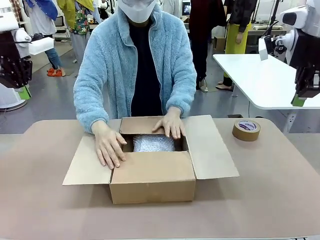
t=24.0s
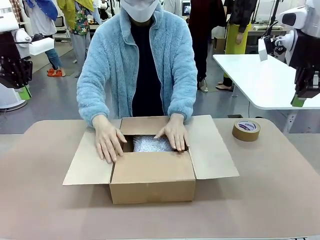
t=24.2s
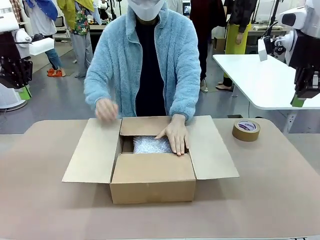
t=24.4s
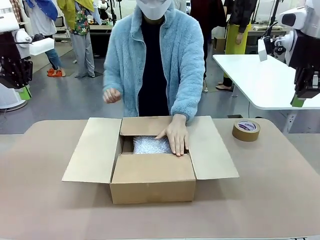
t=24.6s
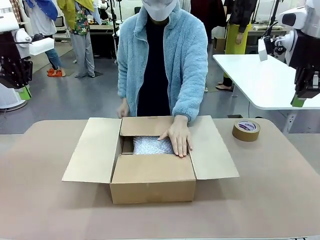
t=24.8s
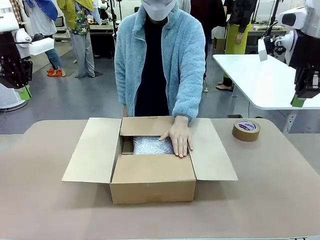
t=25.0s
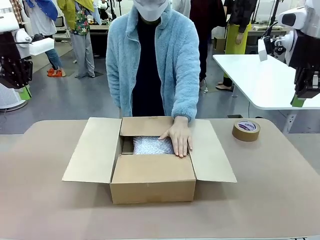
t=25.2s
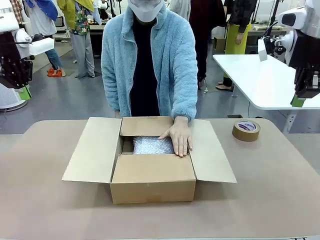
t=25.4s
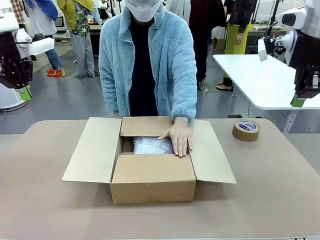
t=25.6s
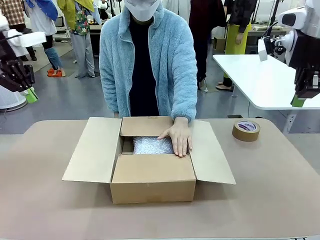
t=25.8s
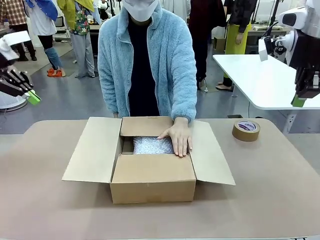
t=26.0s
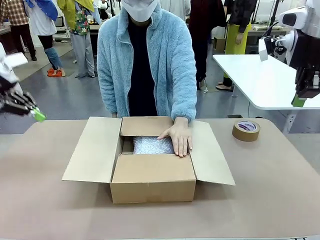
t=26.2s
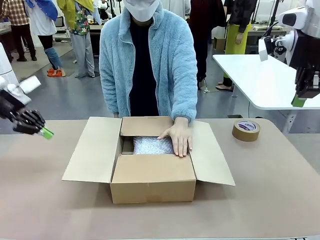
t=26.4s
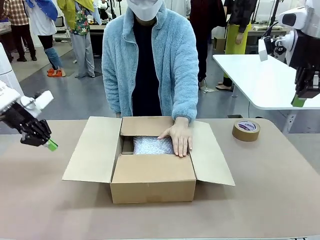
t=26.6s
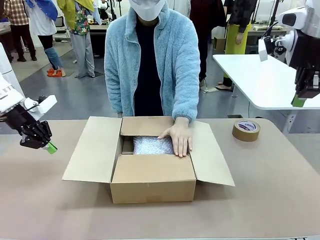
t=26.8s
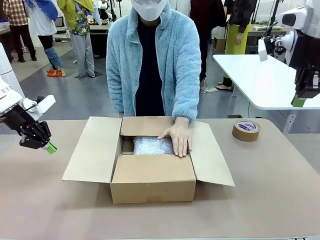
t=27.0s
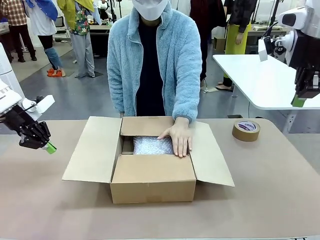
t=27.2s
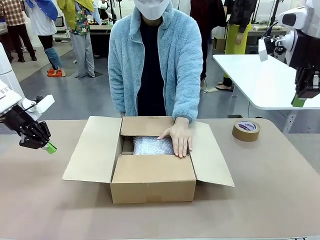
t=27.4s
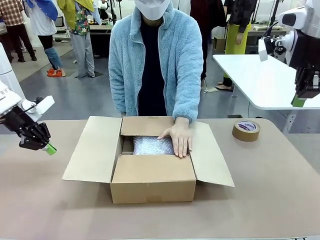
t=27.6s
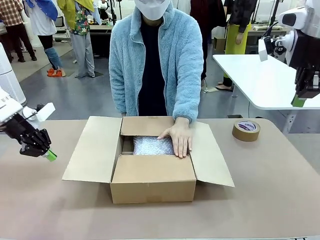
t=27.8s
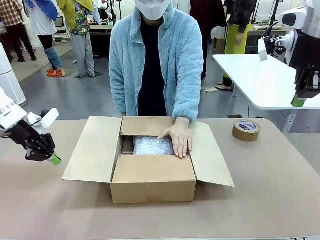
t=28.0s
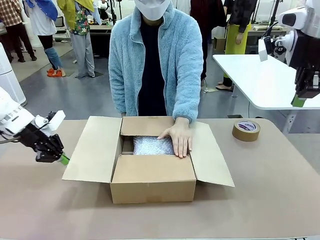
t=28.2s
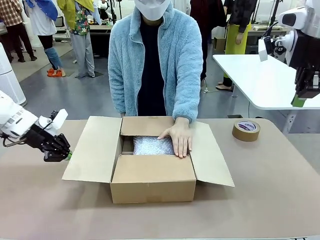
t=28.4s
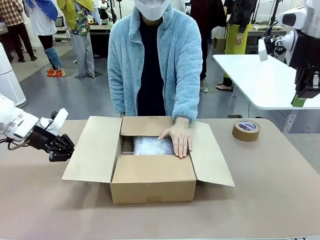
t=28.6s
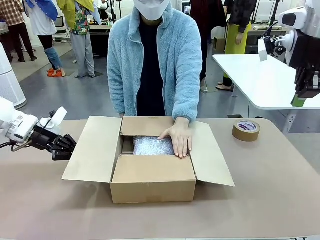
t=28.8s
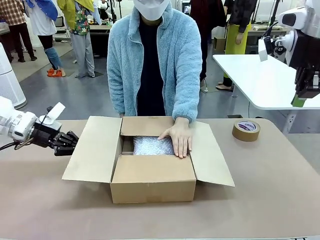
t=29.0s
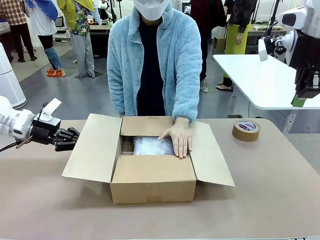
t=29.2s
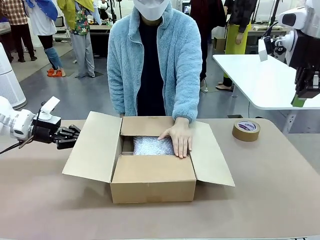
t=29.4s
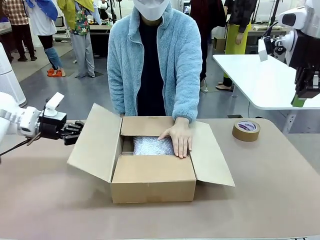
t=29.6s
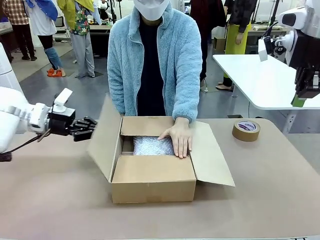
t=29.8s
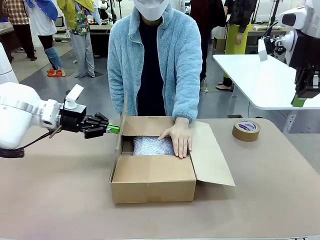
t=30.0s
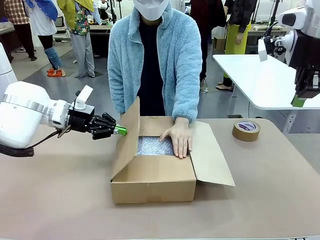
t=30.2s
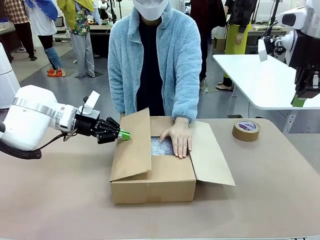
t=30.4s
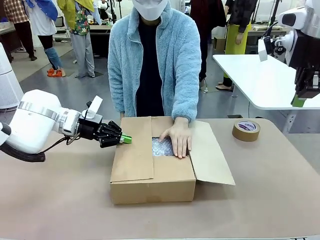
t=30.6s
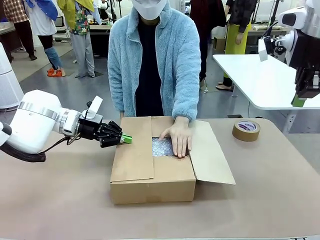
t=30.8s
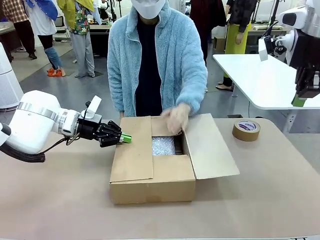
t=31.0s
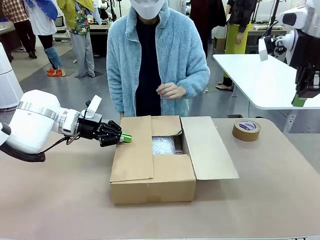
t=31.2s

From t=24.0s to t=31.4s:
Task: Wrap the clocks to prevent damage.
Robot: Push the right (or left) flap of the Package Box to close it.
Person: Once the robot closes the right flap of the Package Box , release your left hand from the box.

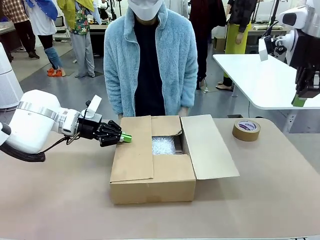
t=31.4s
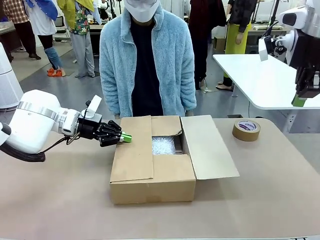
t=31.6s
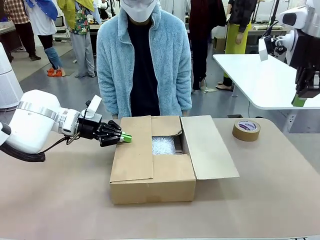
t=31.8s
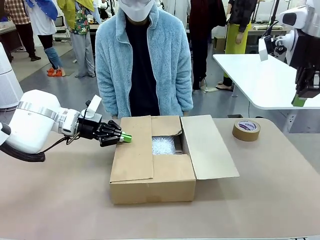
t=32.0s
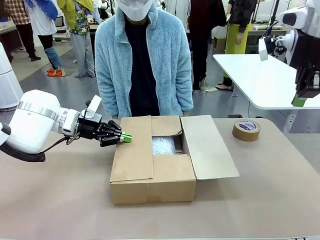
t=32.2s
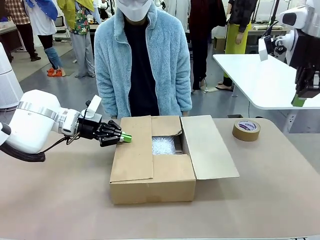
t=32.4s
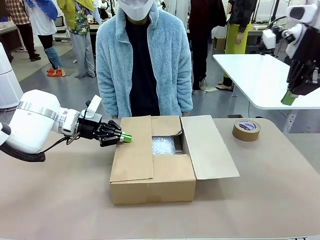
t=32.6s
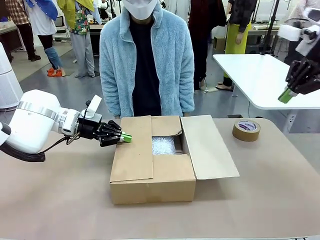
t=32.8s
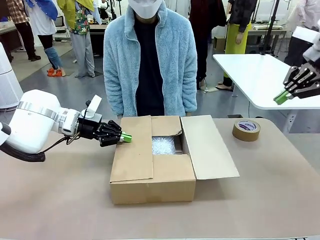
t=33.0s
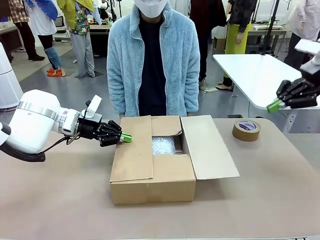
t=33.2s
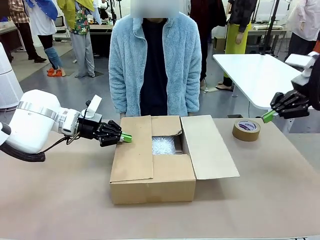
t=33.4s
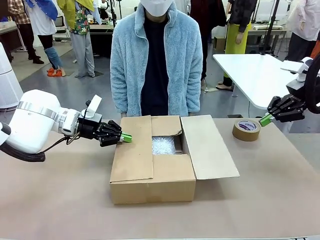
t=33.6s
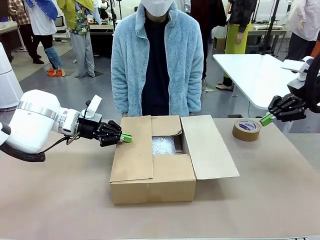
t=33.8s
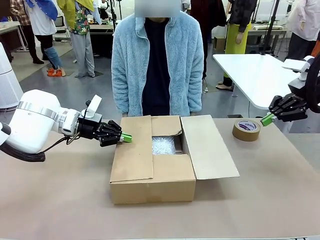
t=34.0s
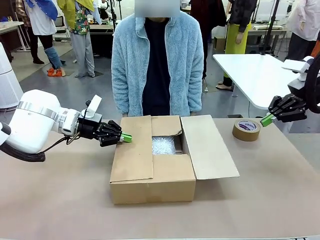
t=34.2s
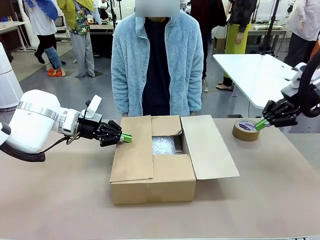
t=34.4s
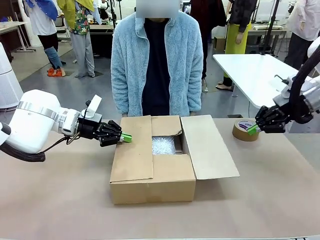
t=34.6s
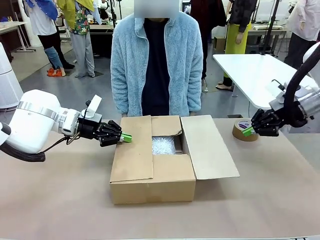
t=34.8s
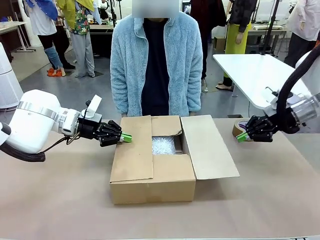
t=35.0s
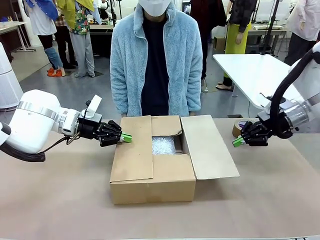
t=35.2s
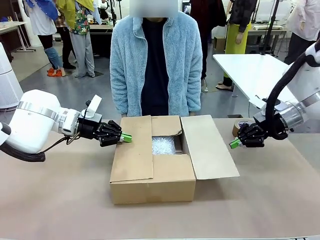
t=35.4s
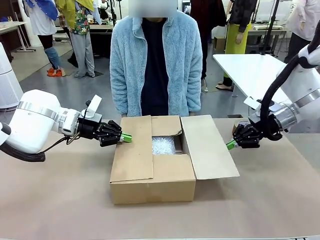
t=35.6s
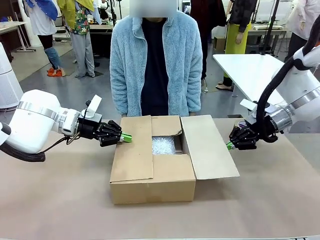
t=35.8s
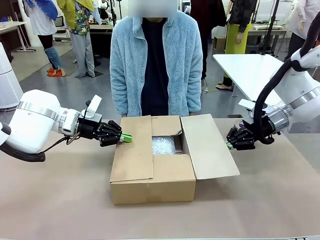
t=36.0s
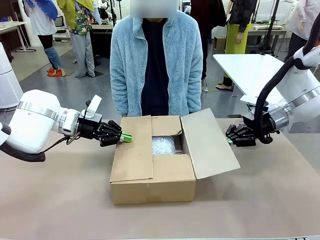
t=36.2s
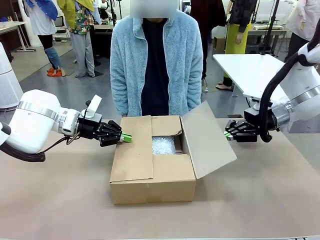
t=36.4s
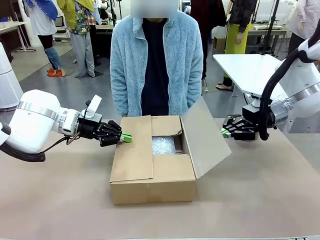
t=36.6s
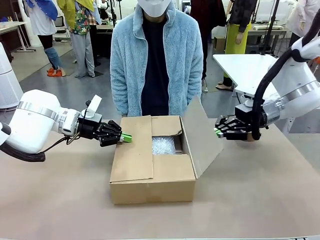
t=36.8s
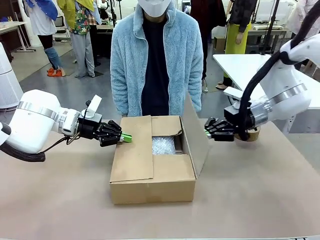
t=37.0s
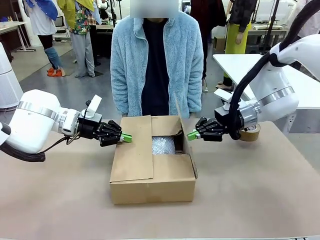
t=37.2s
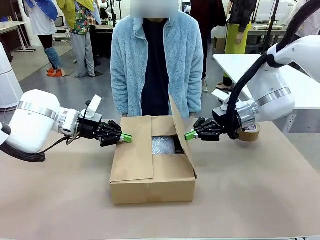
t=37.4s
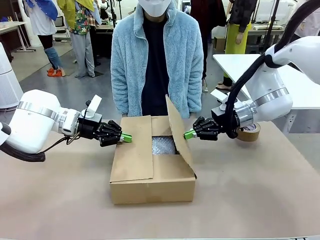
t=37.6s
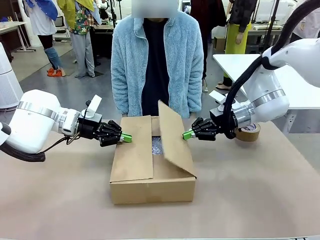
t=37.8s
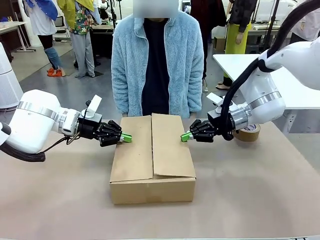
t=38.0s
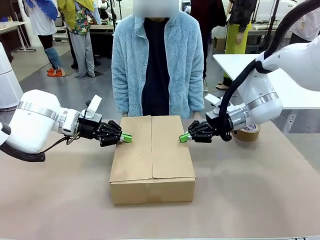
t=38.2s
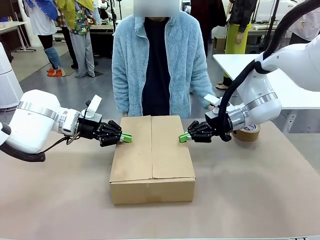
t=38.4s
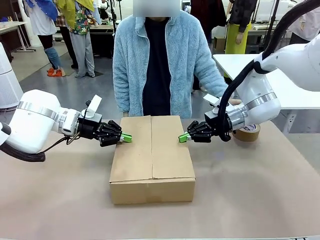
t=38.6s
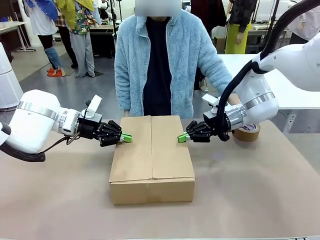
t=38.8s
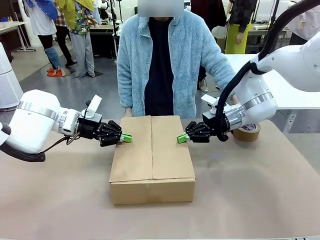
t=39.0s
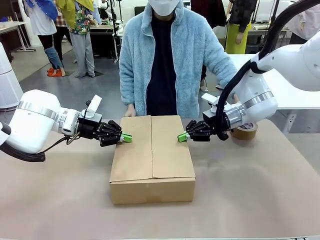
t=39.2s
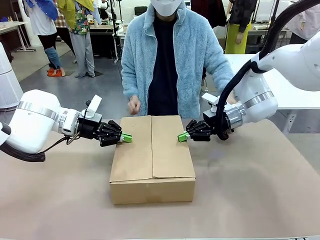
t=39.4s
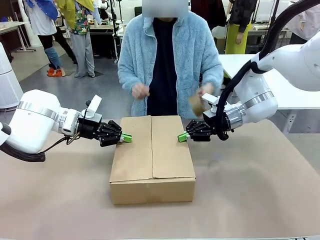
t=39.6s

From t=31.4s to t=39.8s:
Robot: Push the left (or right) flap of the Package Box to close it.

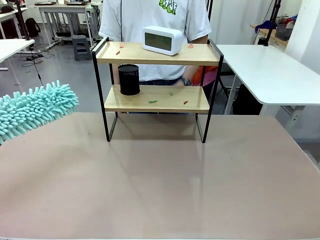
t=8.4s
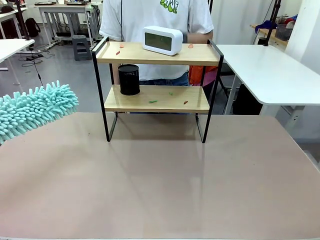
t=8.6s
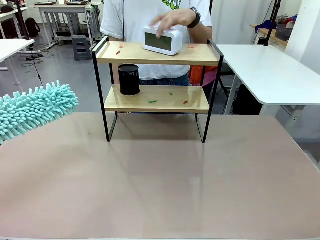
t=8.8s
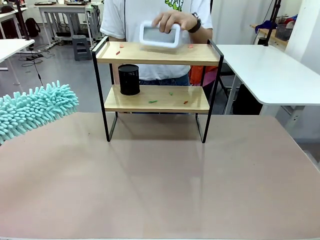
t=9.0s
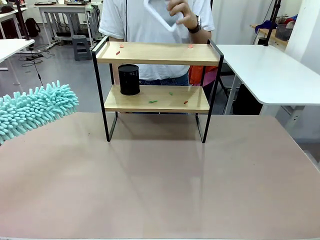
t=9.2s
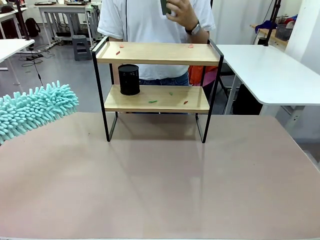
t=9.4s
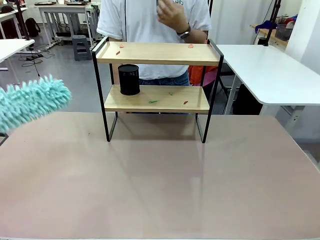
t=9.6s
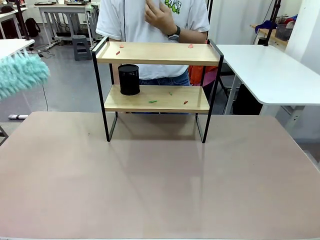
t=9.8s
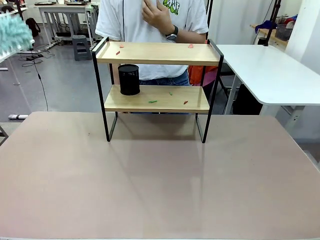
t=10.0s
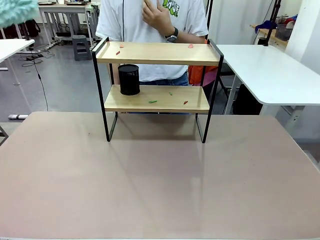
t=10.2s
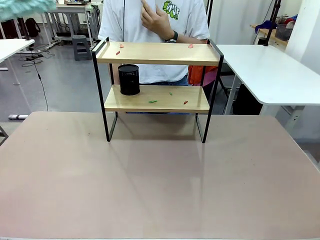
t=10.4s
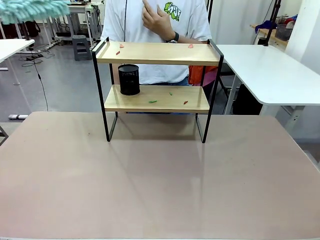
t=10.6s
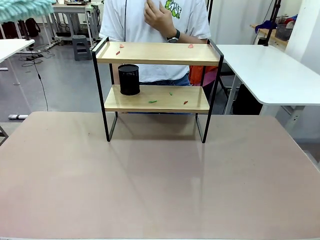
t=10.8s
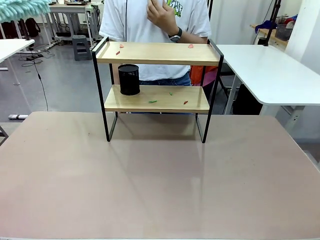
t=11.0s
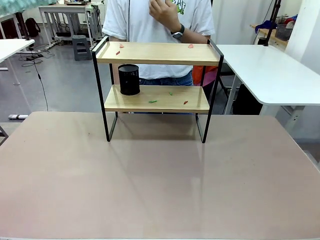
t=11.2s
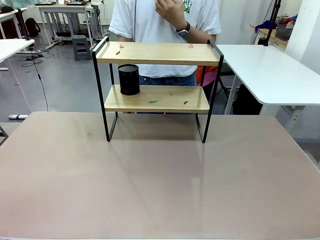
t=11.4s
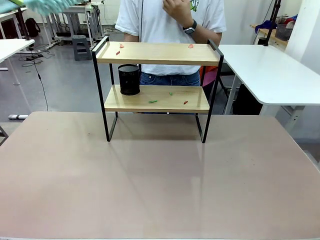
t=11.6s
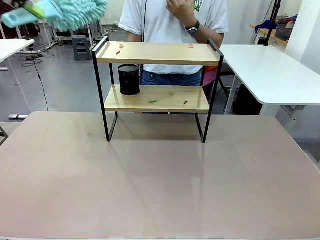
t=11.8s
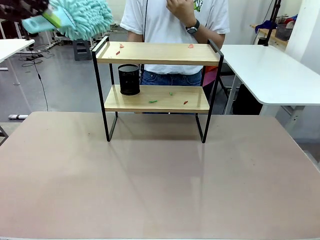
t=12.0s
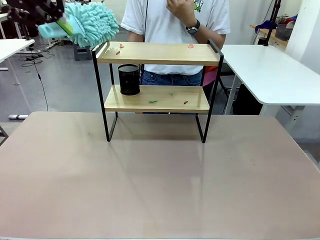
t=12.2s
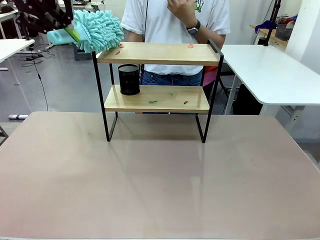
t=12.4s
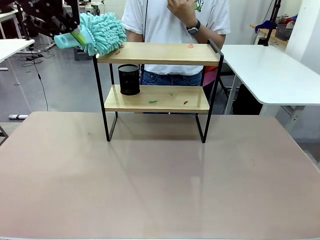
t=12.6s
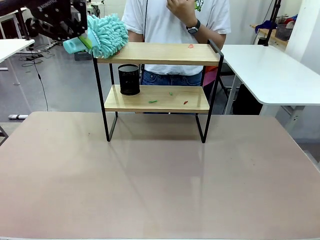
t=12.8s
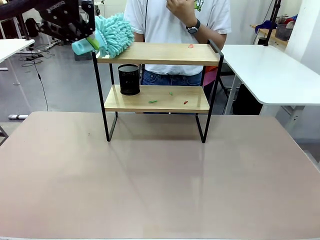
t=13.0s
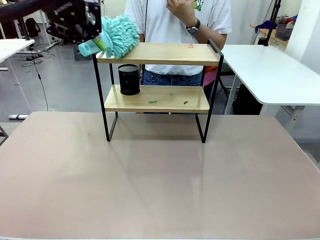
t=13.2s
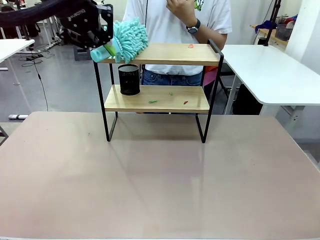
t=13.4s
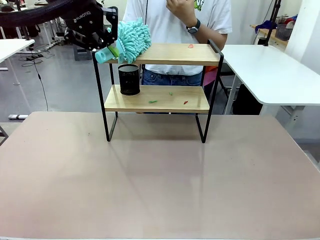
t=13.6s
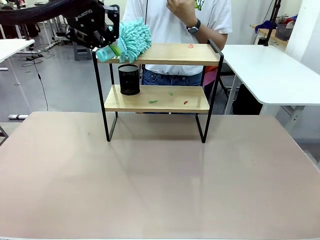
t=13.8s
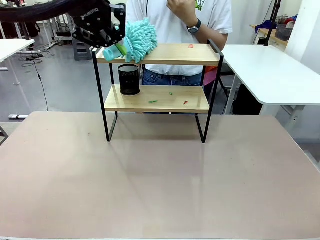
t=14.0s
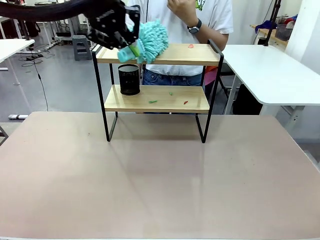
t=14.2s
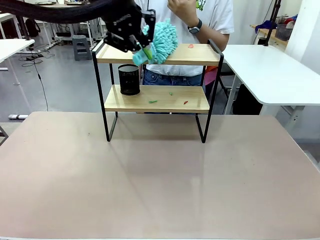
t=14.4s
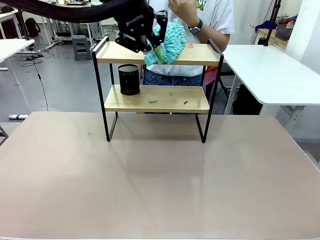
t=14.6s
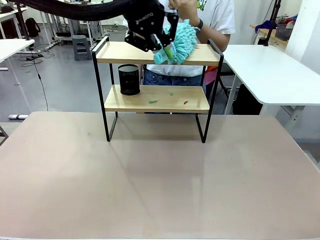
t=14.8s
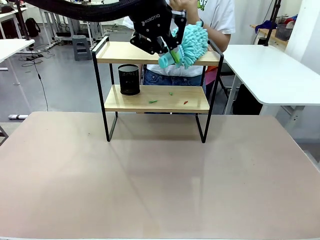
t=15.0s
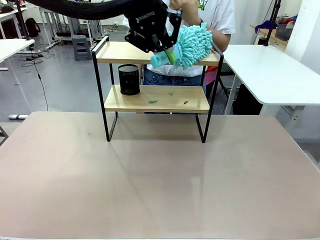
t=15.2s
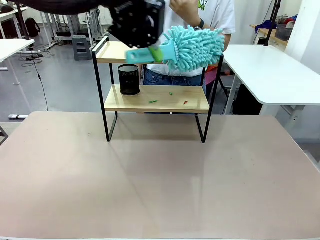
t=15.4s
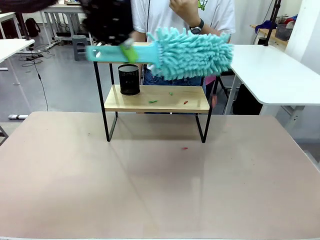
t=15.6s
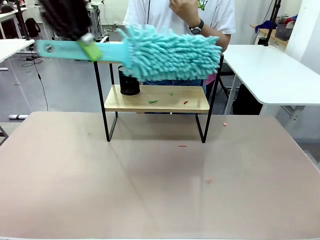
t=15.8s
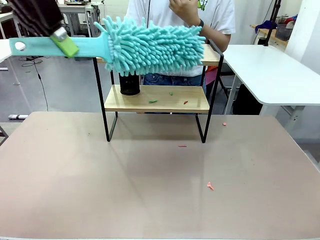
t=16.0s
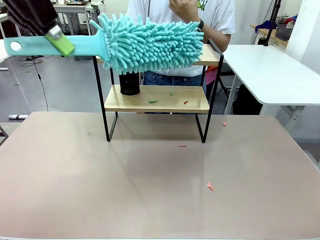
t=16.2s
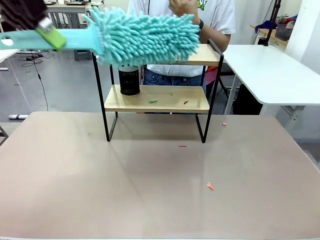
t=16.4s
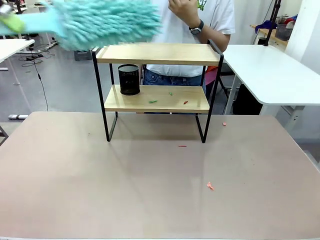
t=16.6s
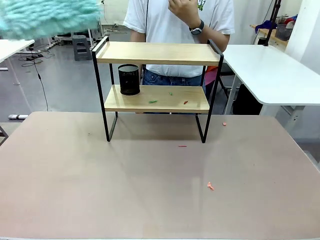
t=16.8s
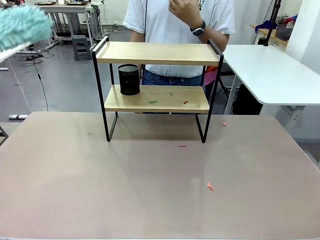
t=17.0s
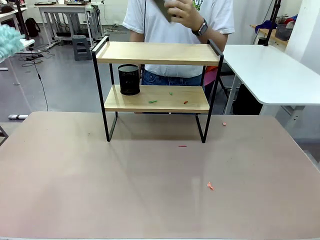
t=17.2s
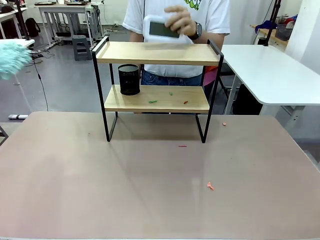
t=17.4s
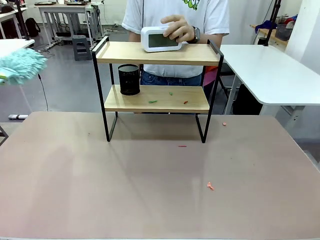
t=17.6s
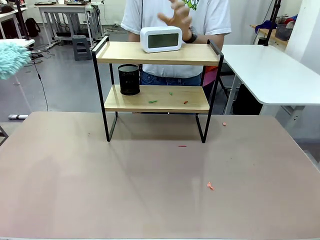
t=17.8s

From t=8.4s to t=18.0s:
Task: Clean the shelf.
Robot: Clean the specific tier of the Shelf with the Duster once objects are removed.
Person: Lift the objects on a randomly selected tier of the Shelf. Once the robot finishes cleaning, lift the objects on the remaining tiers of the Shelf.
